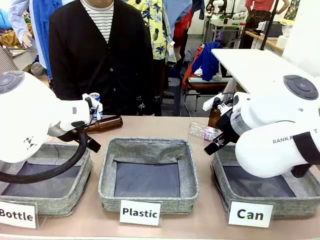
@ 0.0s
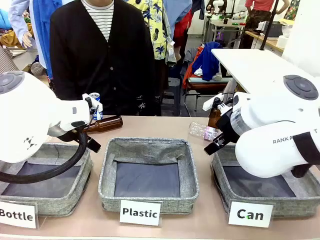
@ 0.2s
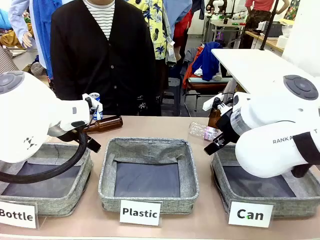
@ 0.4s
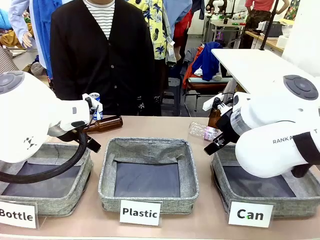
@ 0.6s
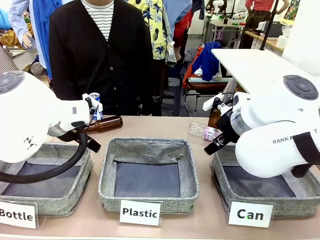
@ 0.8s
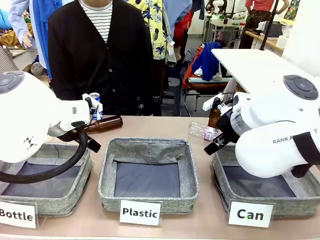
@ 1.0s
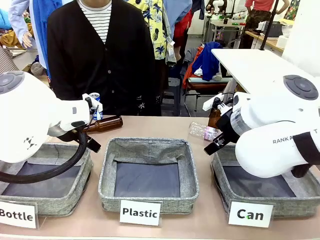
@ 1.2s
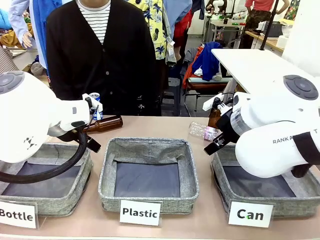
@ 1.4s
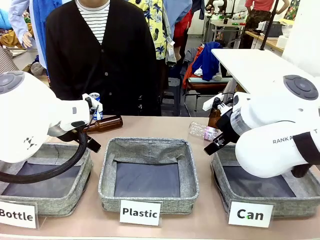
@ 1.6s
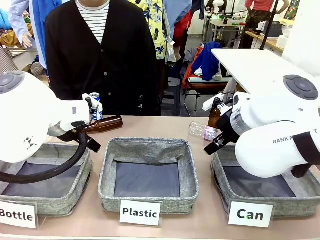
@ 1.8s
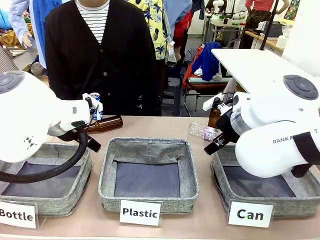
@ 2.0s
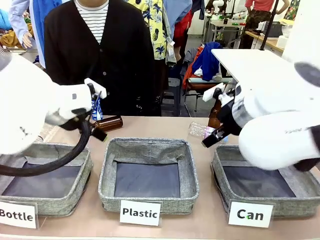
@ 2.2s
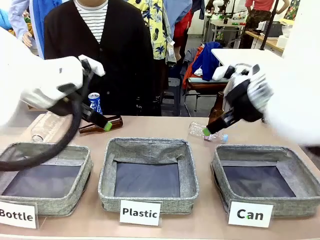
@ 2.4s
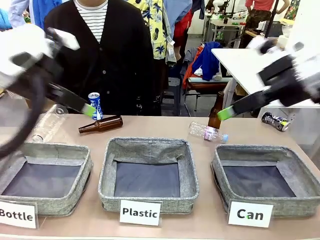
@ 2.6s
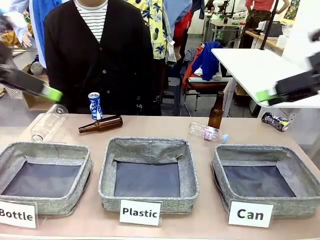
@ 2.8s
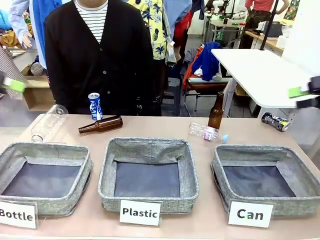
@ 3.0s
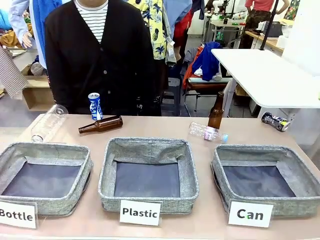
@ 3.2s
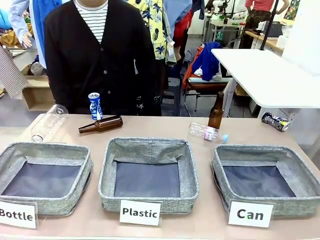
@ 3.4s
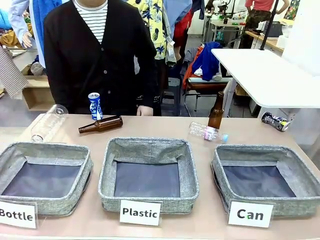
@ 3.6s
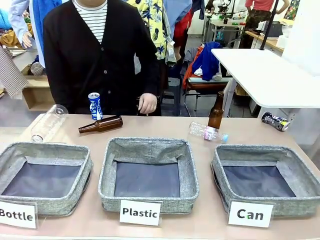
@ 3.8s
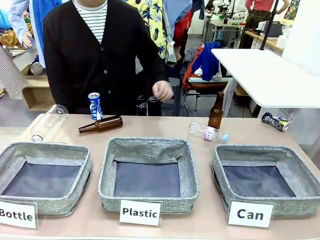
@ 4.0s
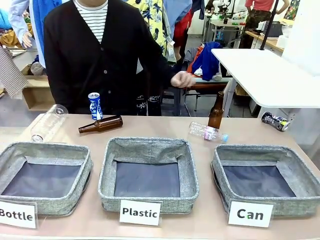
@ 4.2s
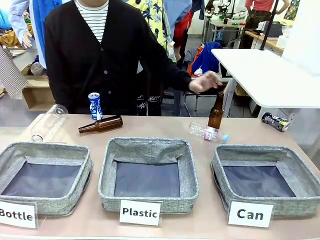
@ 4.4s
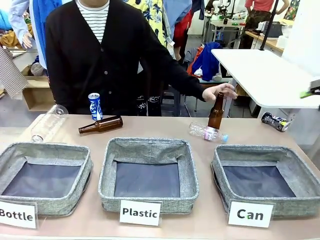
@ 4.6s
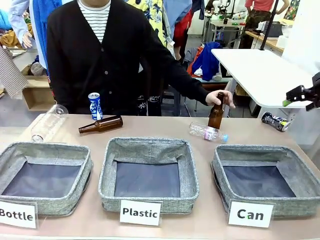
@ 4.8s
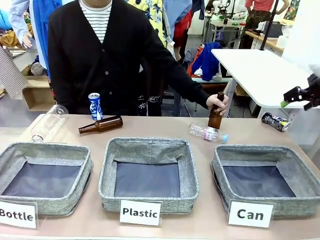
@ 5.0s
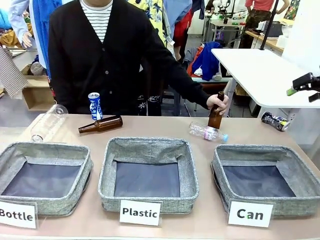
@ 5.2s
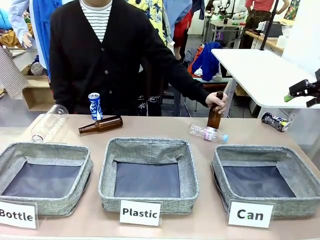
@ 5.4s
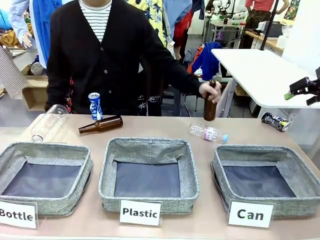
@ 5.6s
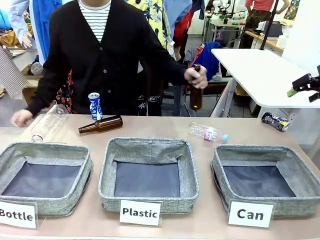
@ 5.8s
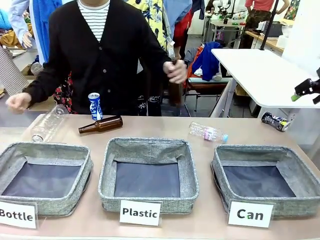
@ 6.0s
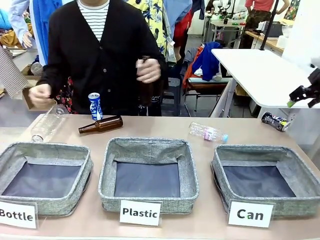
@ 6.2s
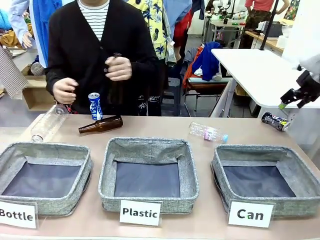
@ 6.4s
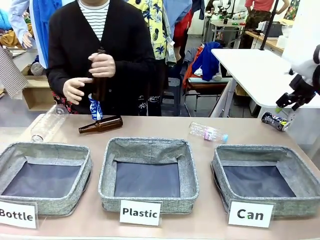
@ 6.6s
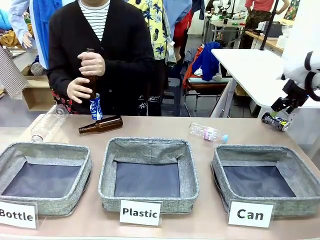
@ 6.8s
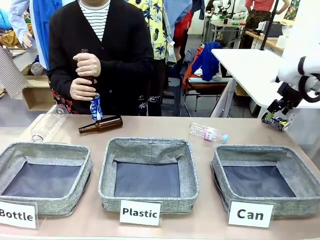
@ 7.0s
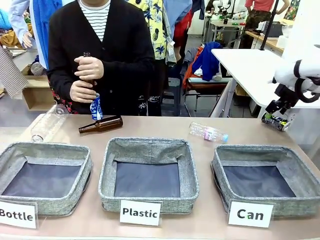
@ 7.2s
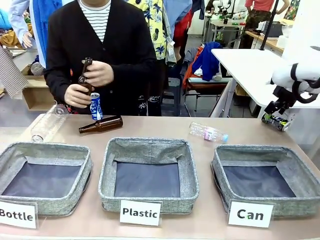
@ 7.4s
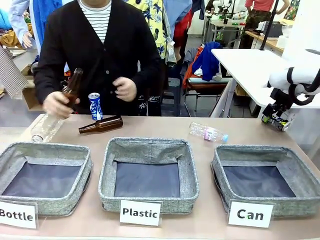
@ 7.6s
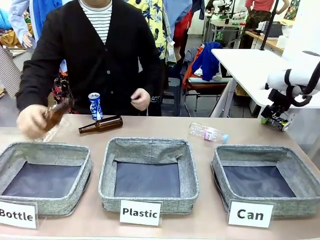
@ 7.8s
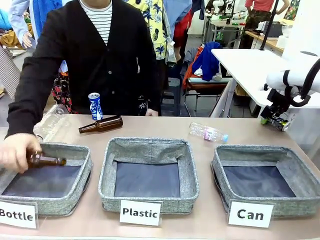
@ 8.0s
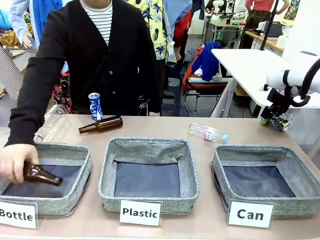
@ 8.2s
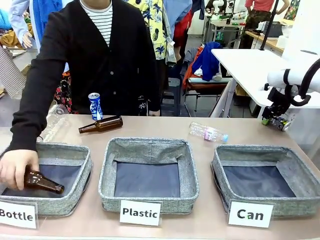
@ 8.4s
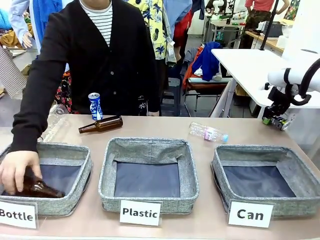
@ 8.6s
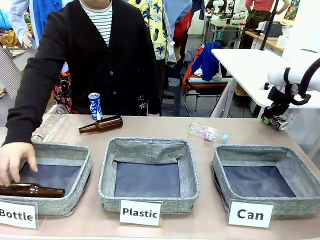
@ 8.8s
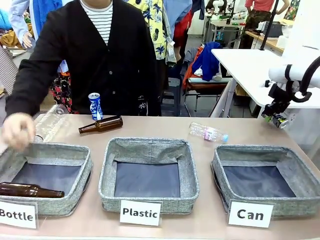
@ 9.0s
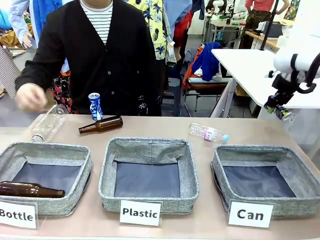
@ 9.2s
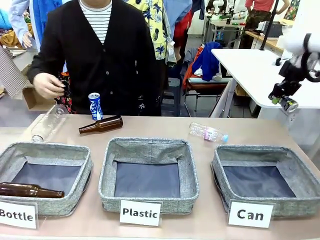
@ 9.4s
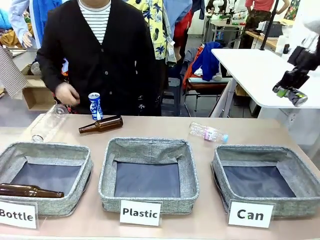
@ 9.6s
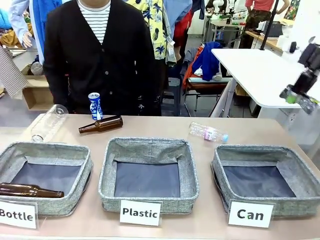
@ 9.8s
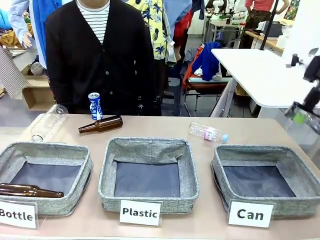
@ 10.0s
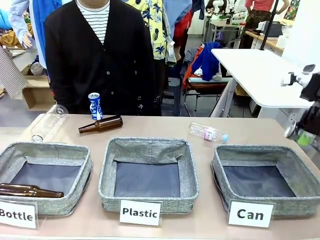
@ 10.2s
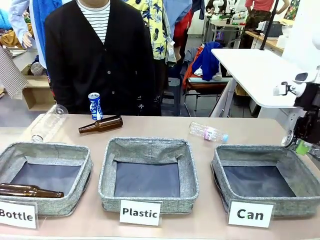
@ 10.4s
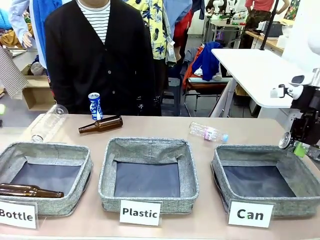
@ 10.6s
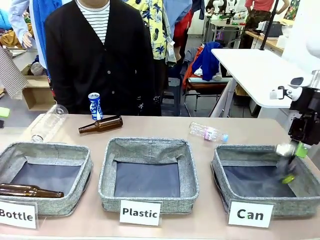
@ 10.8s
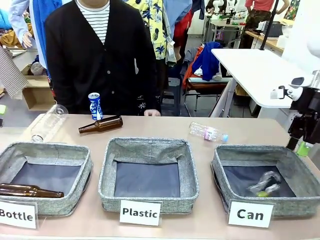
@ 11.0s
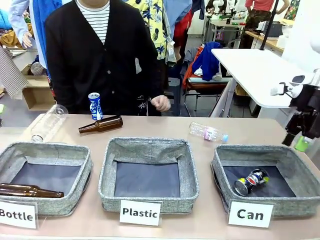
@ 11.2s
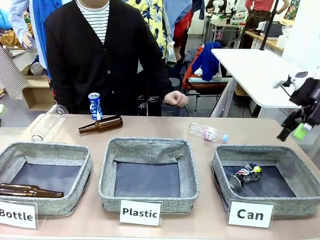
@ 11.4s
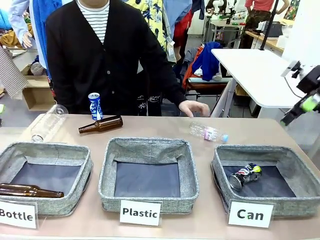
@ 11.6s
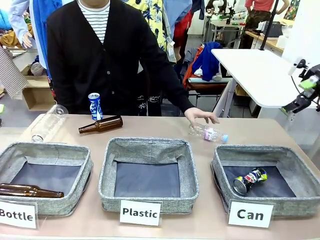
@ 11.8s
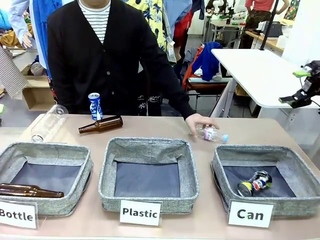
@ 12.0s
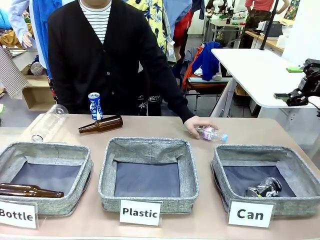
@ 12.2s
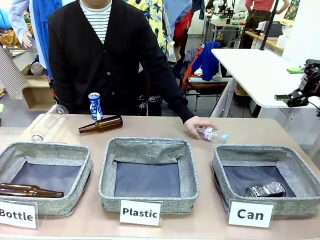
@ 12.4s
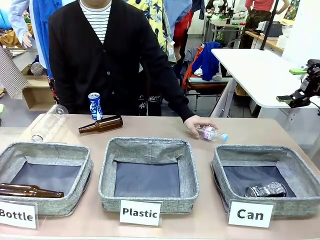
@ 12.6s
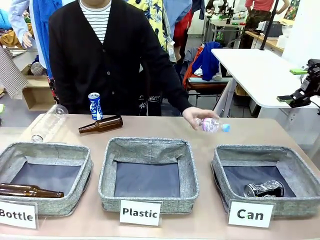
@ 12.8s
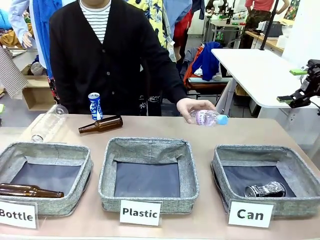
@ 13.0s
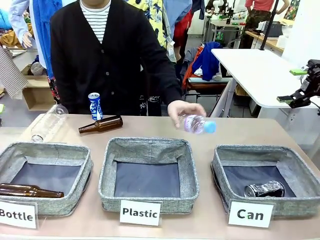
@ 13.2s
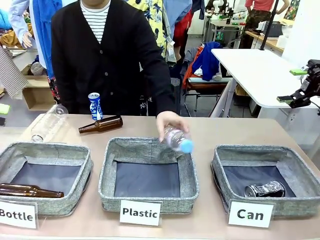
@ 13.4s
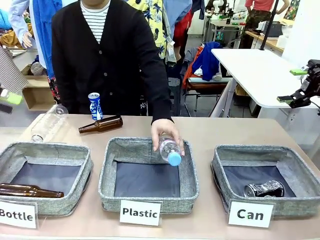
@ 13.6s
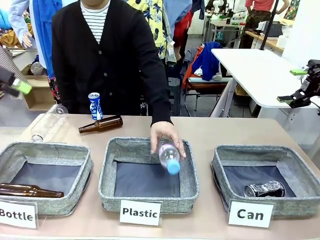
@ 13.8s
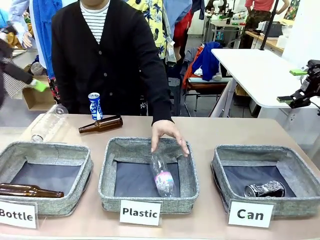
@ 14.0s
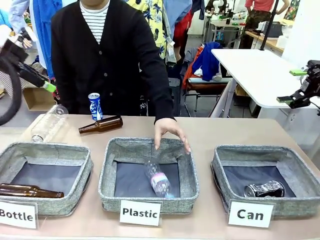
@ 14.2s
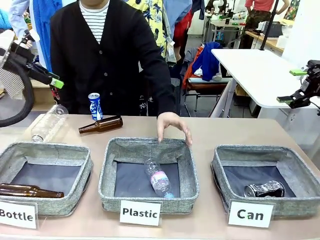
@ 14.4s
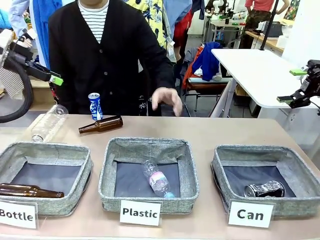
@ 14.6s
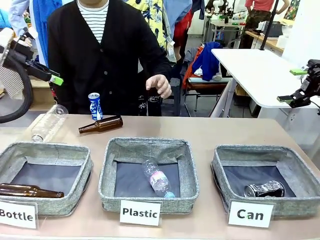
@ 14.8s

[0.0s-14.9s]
Task: Sort the can waste into the basket.
Robot: Pick up the can waste from the table and place it in the right Fabric basket.

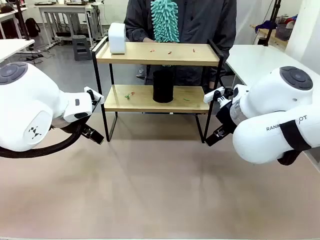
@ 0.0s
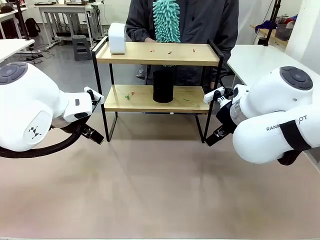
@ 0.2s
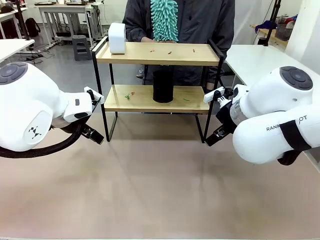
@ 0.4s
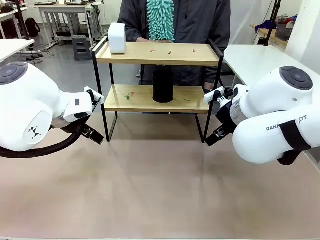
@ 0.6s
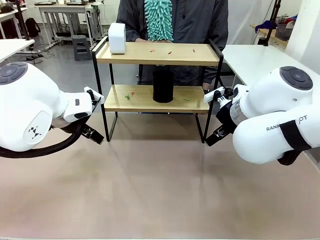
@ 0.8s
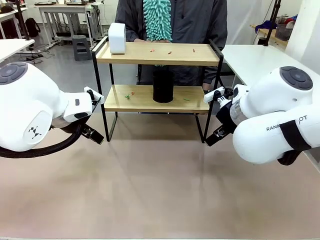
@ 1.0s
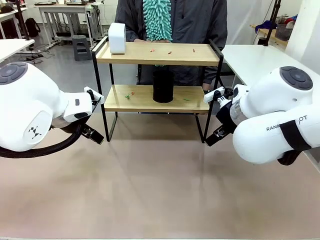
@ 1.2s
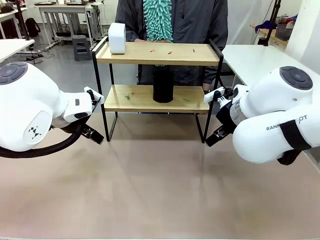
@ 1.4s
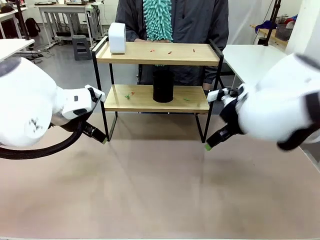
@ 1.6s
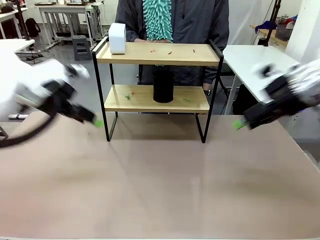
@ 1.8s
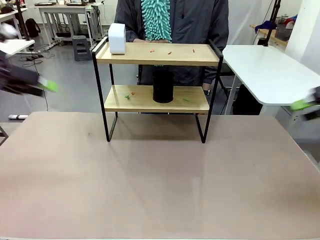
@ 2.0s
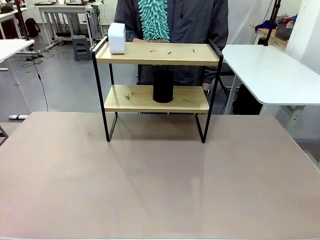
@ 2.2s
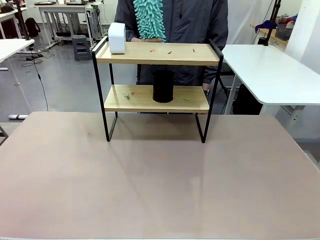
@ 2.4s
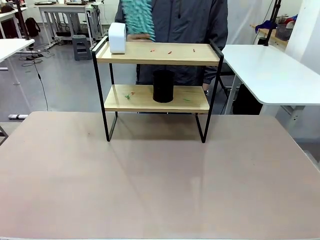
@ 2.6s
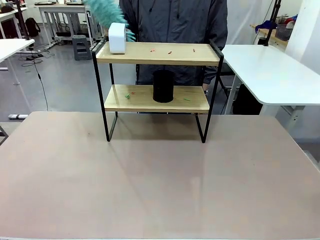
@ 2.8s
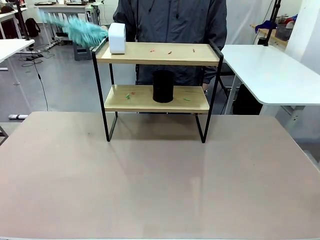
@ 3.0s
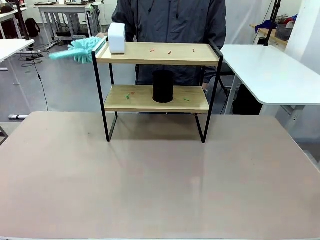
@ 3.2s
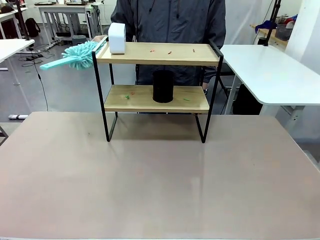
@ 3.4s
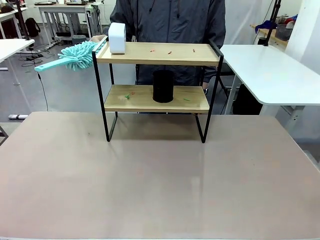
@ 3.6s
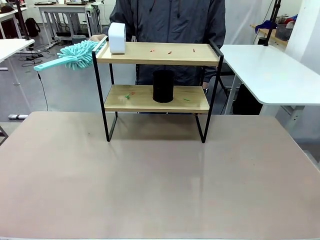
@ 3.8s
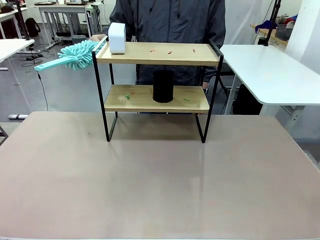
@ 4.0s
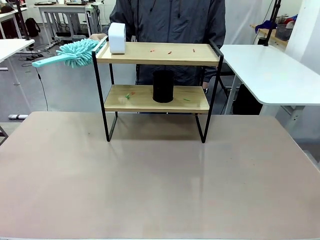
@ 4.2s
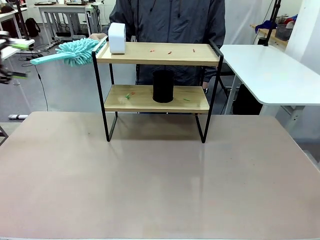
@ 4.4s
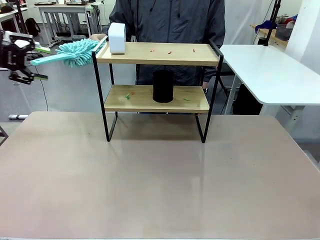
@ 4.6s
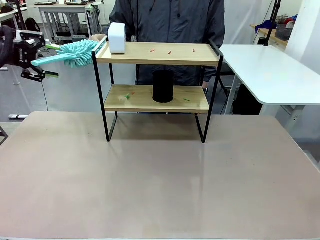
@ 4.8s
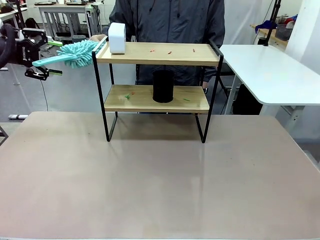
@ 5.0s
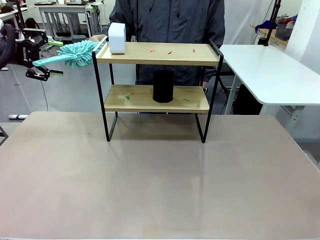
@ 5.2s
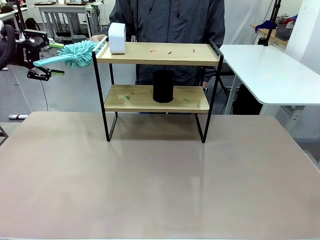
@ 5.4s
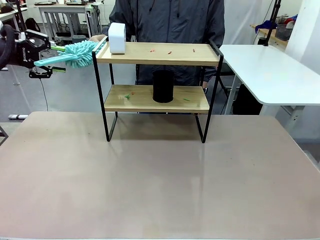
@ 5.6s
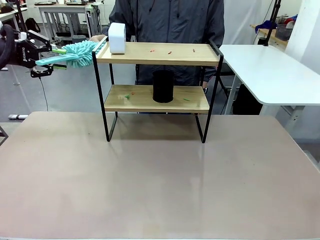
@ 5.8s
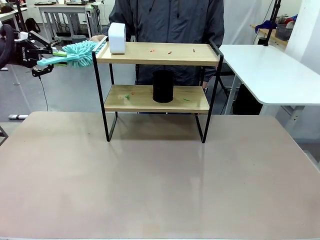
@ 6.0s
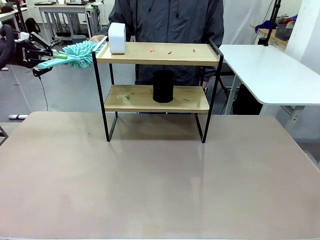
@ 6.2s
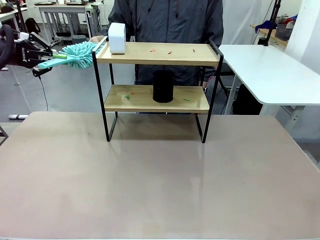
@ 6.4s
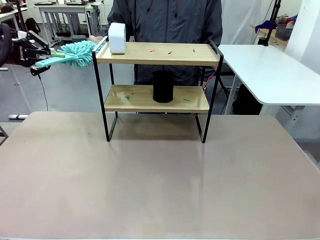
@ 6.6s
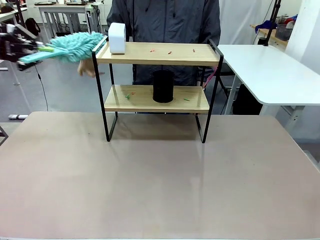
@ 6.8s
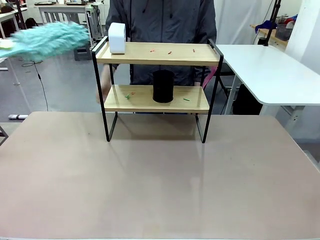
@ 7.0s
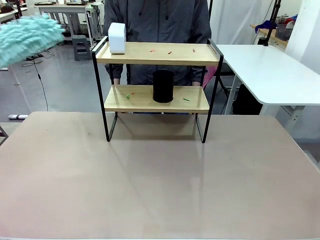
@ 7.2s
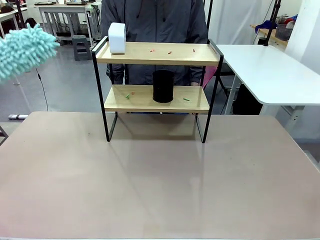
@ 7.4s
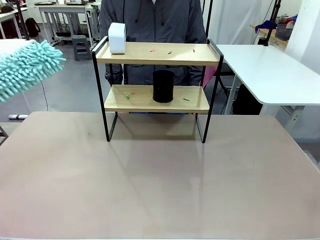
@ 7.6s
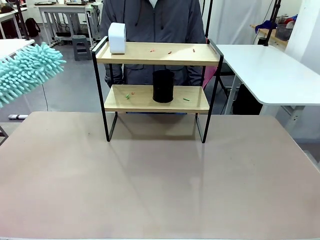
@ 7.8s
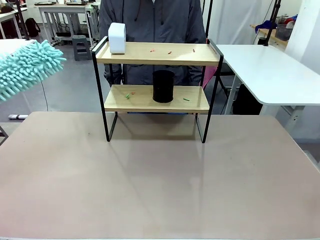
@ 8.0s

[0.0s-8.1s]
Task: Clean the shelf.
Robot: Pick up the Duster from the human.
Person: Hand the Duster to the robot.
